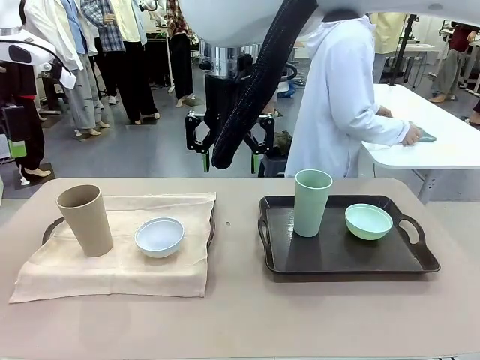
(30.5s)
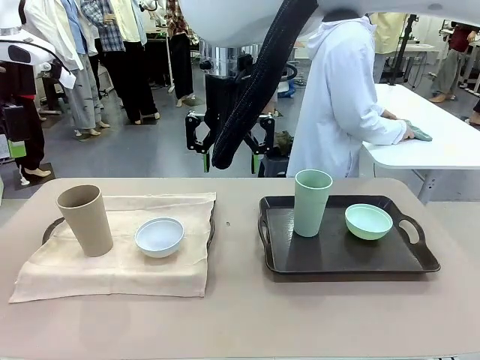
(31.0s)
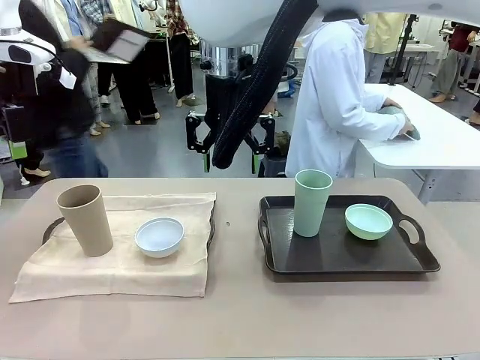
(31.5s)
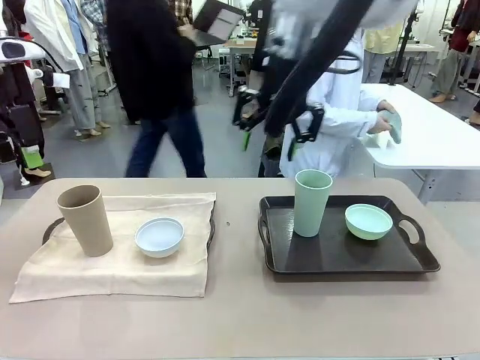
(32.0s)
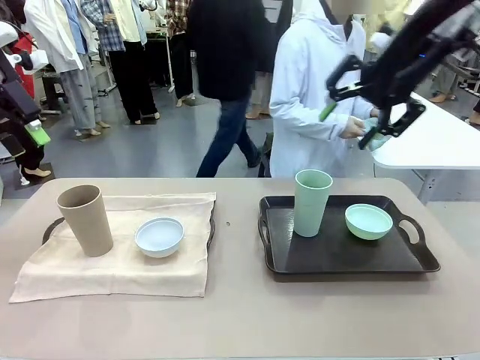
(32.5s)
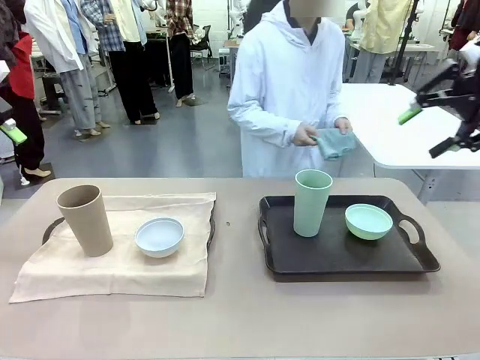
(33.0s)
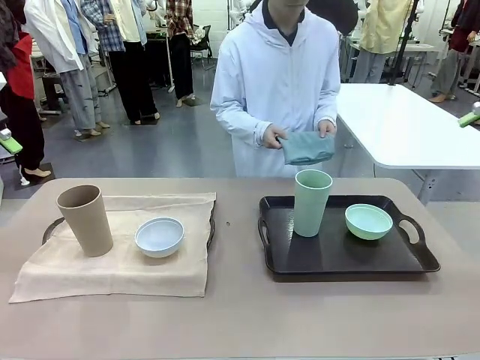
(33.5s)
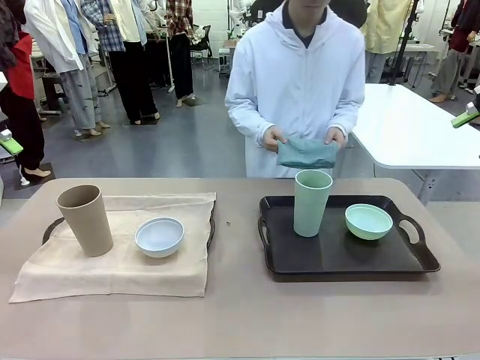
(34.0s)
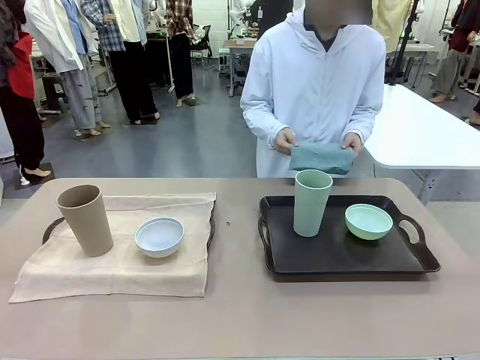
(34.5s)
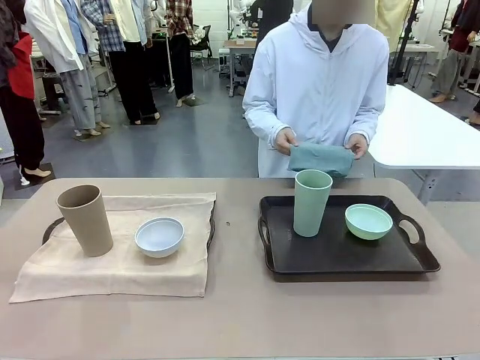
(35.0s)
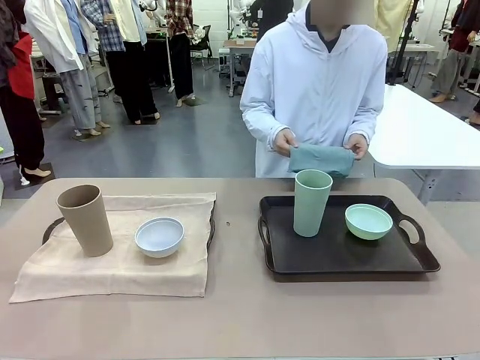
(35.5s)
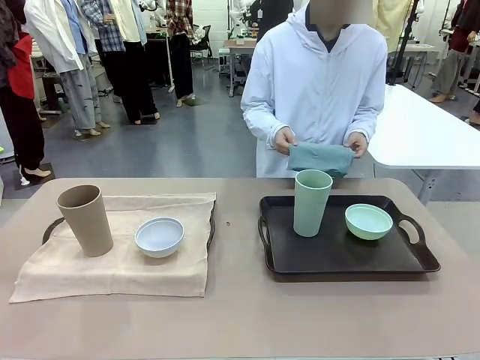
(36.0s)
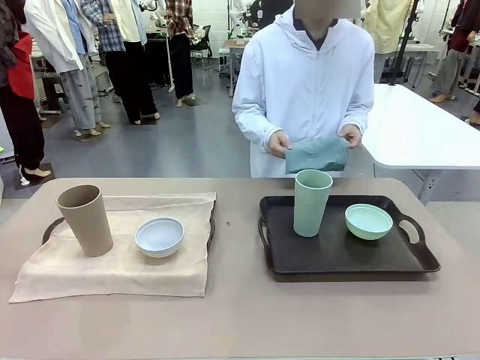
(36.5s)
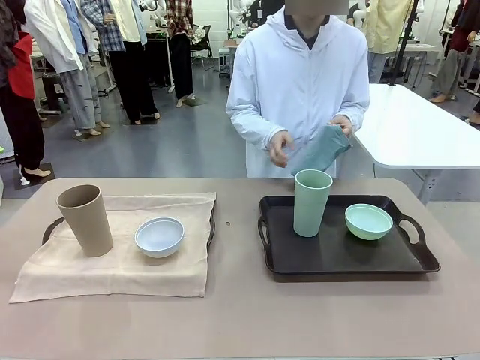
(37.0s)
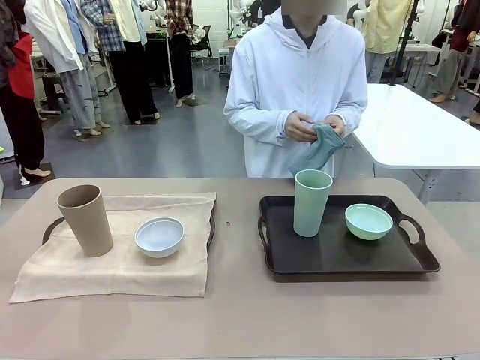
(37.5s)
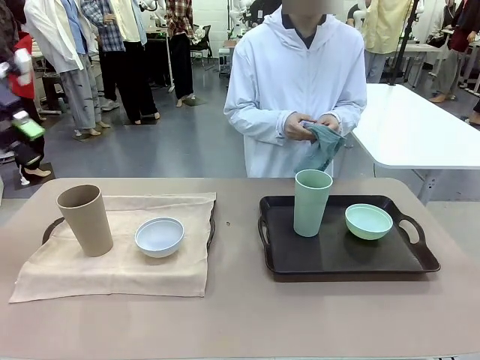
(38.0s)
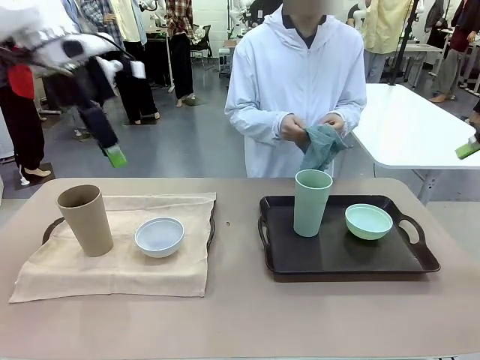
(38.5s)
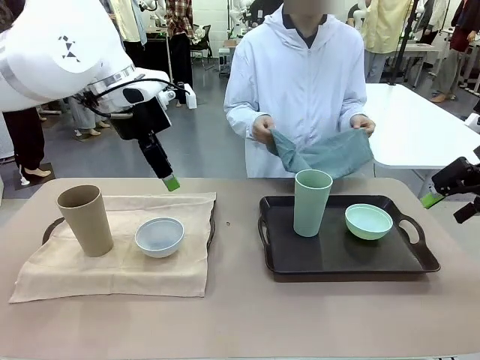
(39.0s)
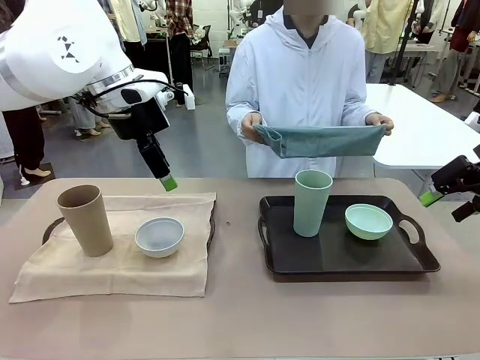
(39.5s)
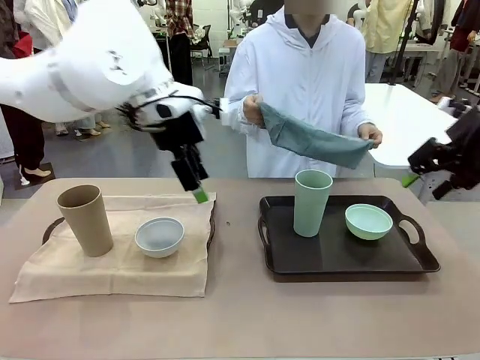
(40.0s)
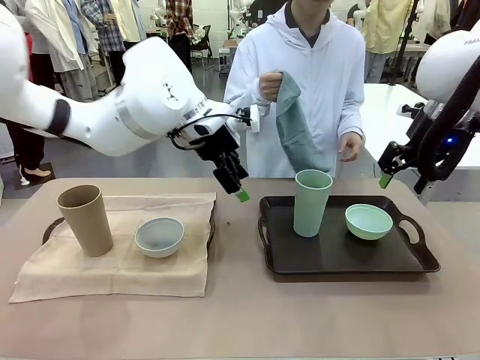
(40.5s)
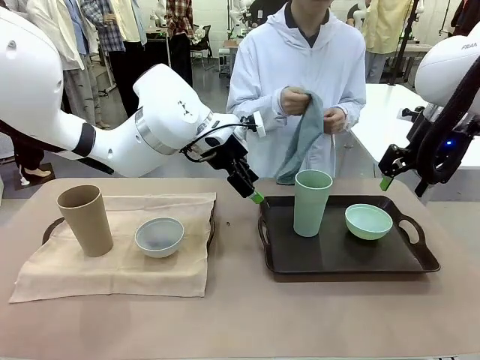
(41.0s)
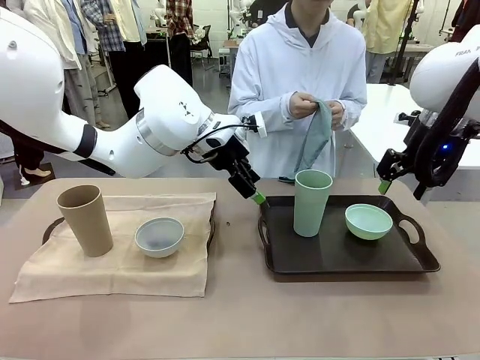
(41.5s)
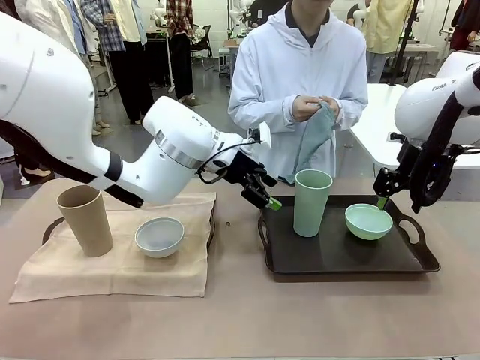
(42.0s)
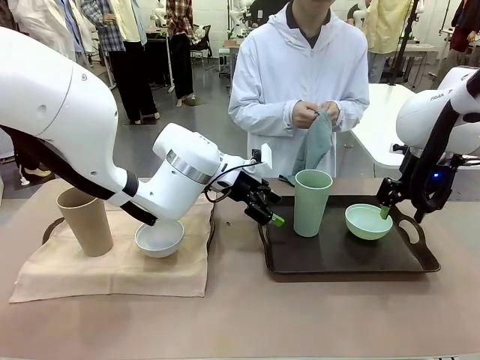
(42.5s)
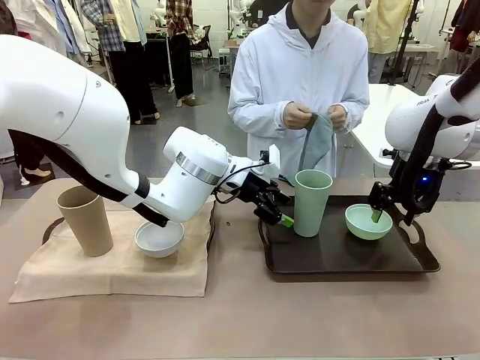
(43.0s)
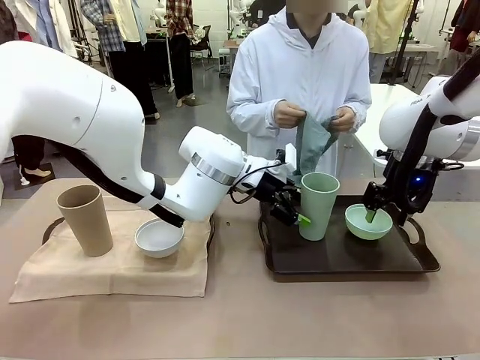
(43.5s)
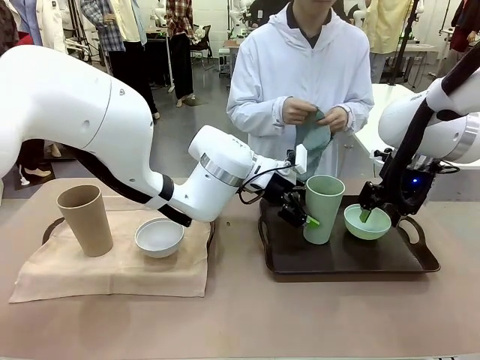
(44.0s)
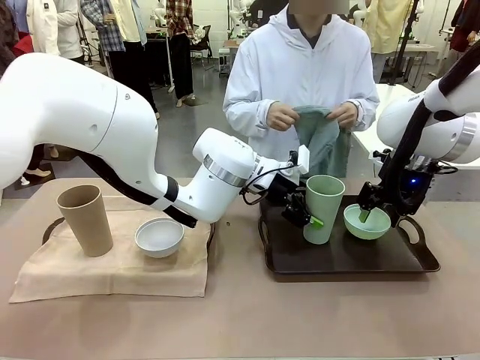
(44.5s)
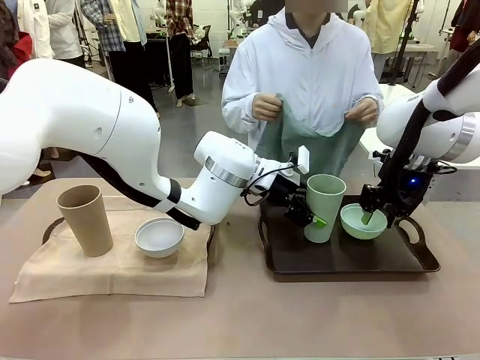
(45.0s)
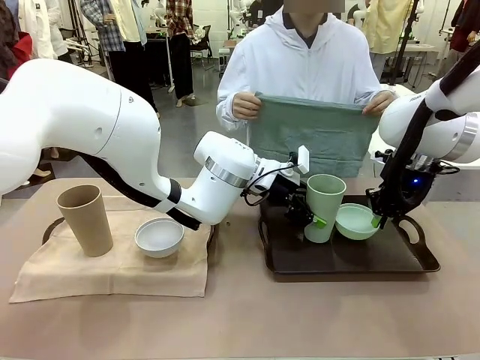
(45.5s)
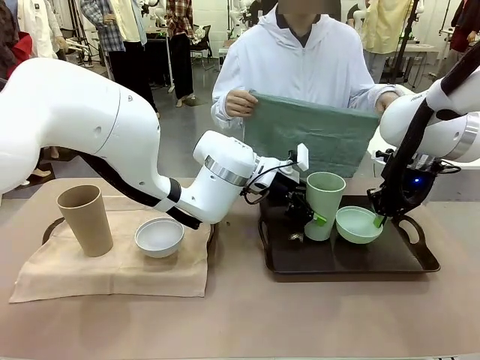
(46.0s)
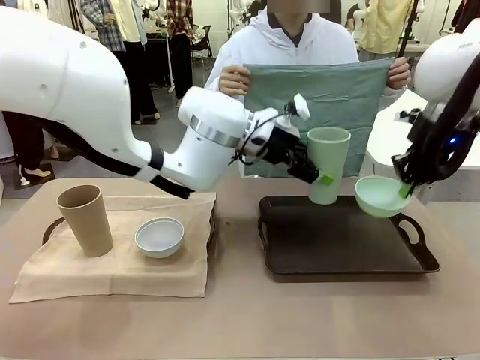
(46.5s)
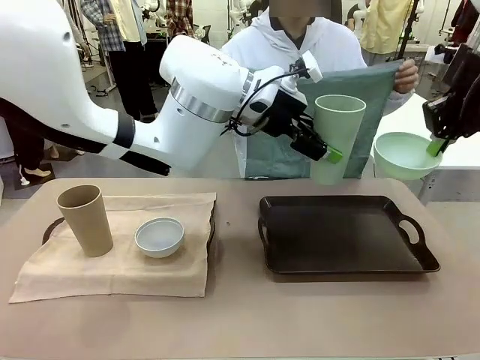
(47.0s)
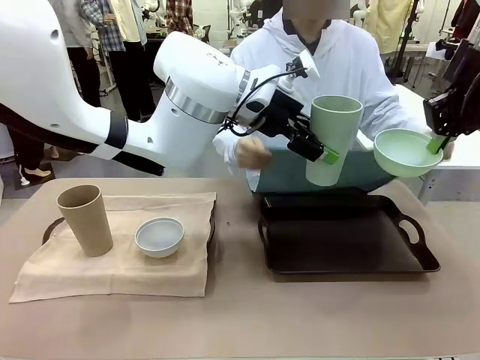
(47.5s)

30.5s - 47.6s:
Robot: Pick up the Picnic Bowl and Reusable plastic cup from the Handle tray in front of the human's position and hold them in the air.

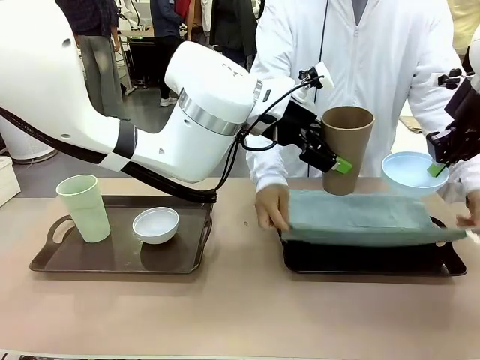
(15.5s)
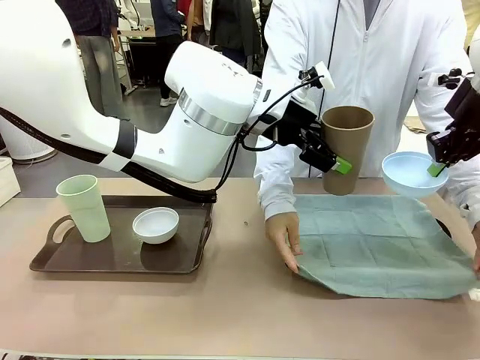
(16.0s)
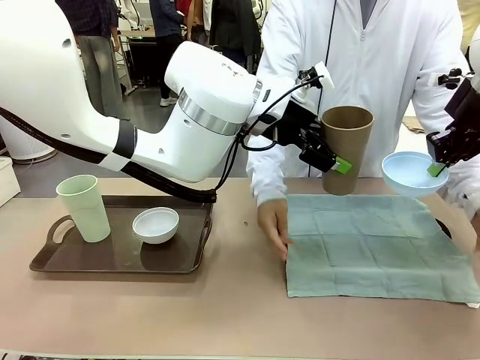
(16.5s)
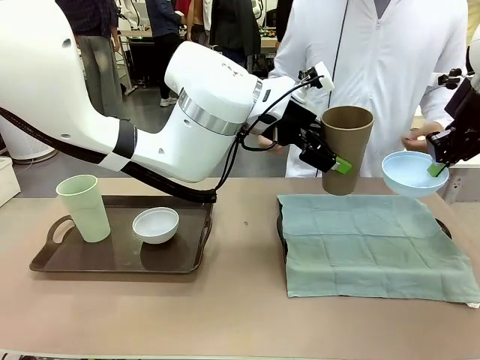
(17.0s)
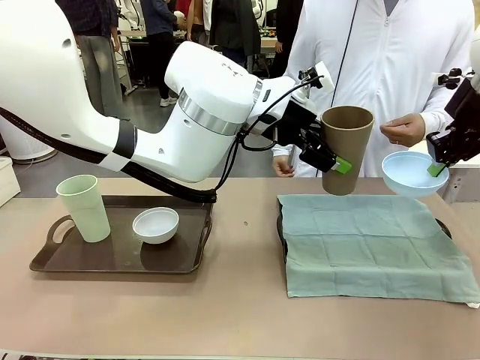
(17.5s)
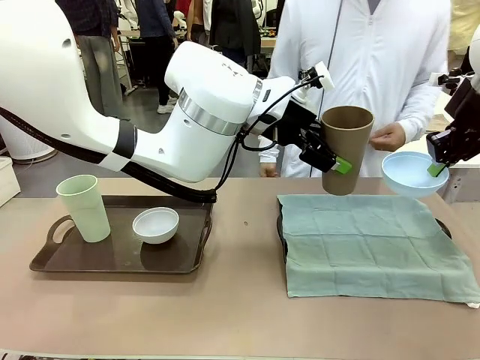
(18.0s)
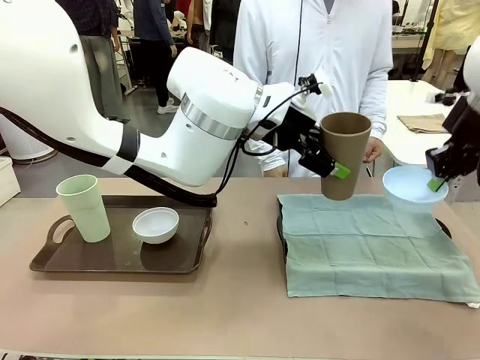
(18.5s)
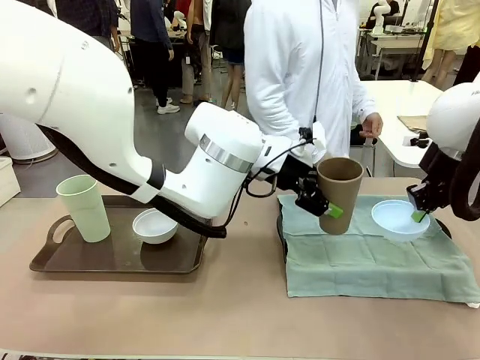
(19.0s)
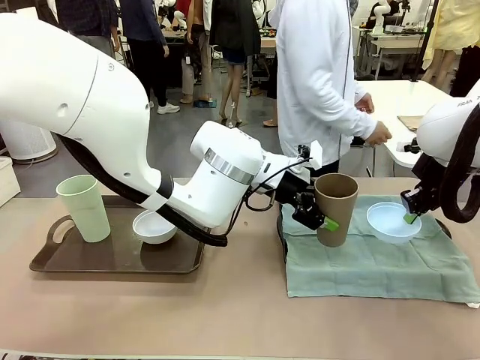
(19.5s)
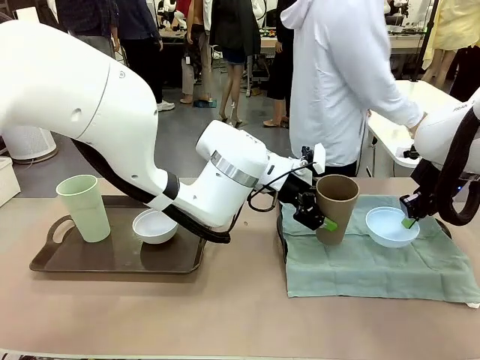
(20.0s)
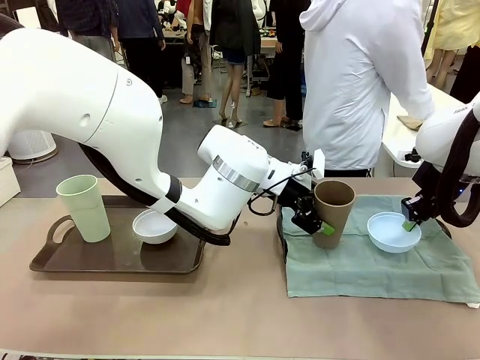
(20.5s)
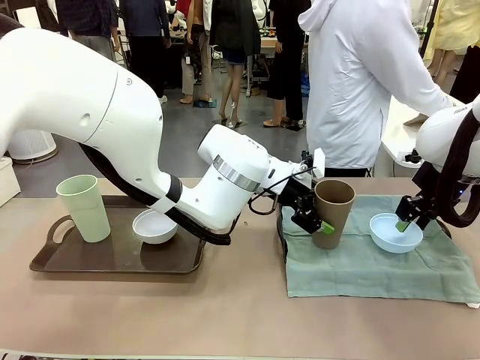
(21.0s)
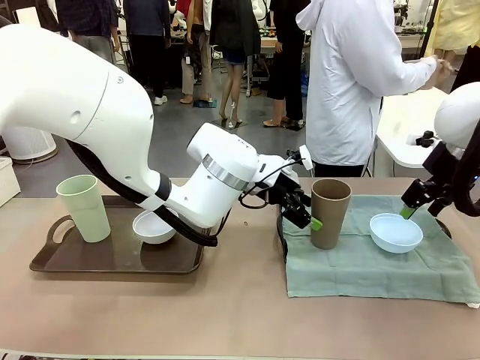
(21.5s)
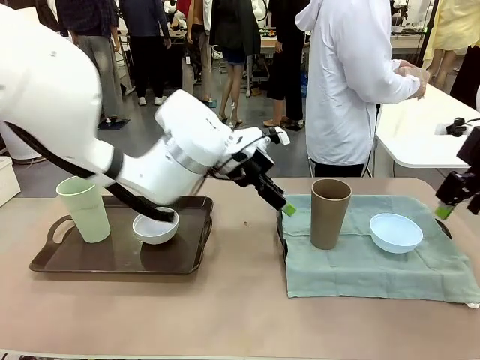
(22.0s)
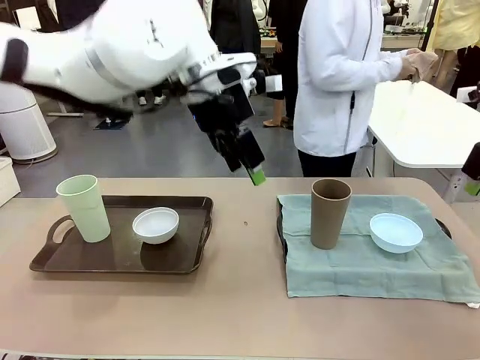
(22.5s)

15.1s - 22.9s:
Robot: Place the Picnic Bowl and Reusable plastic cup back onto the Handle tray in front of the human's position.
Person: The human returns to the human table to pick up another napkin and walks to the robot table to stand in front of the tray without a napkin.
